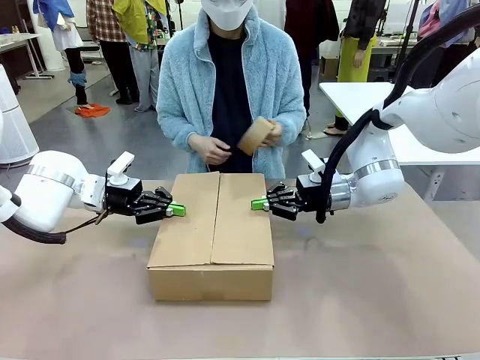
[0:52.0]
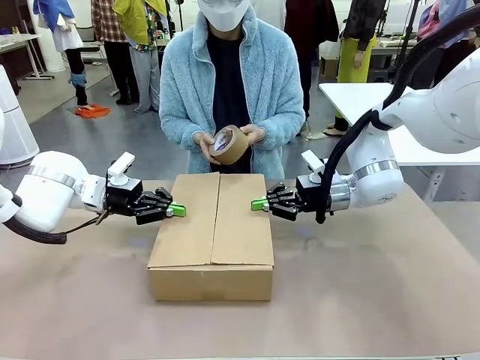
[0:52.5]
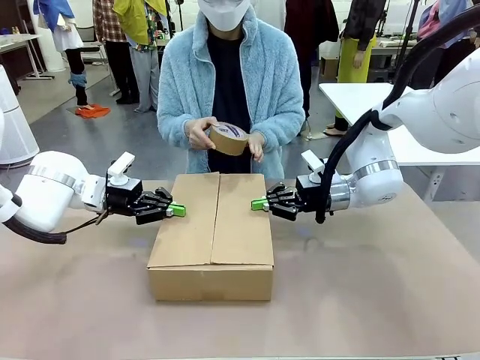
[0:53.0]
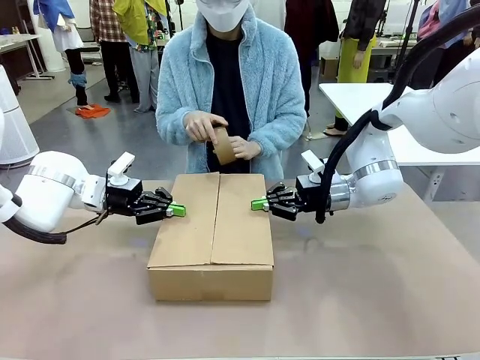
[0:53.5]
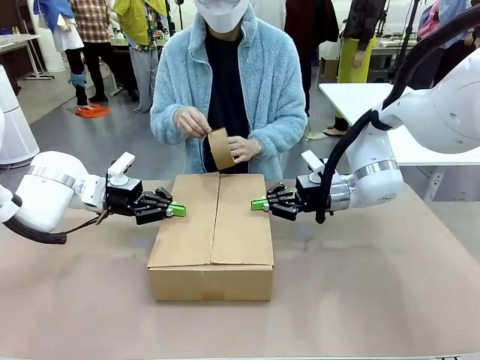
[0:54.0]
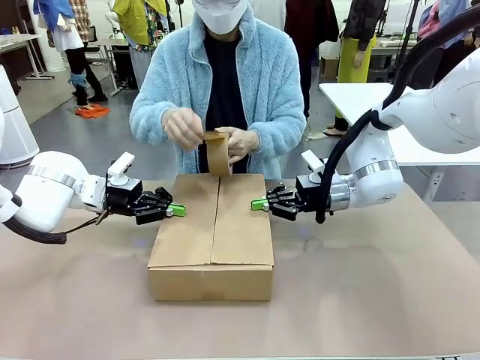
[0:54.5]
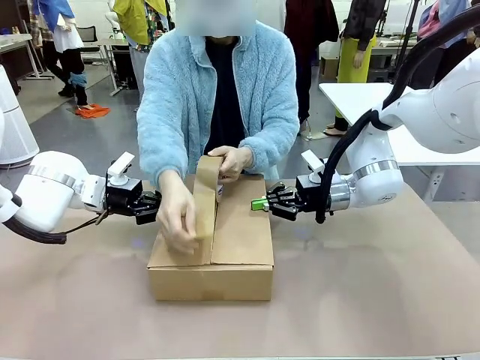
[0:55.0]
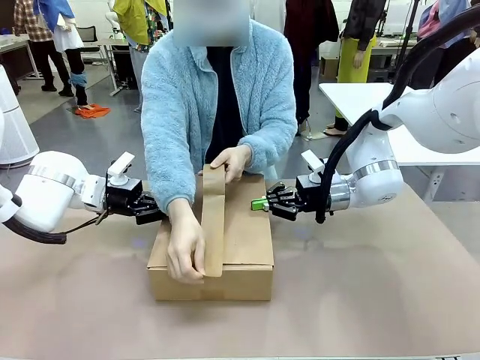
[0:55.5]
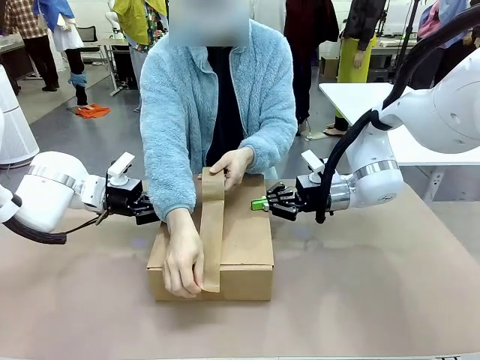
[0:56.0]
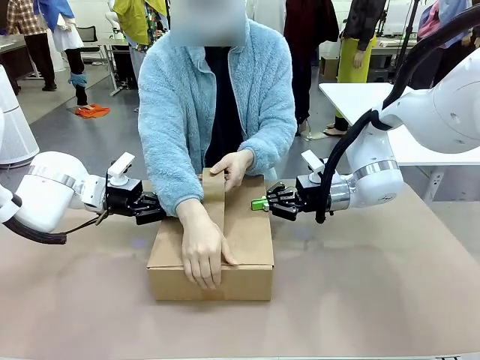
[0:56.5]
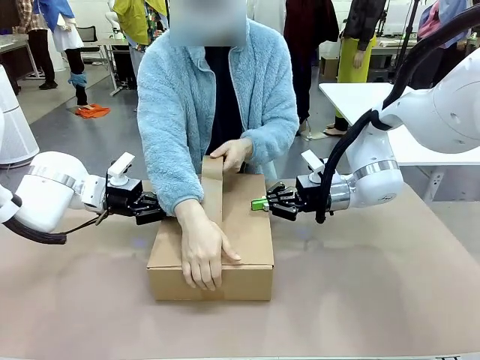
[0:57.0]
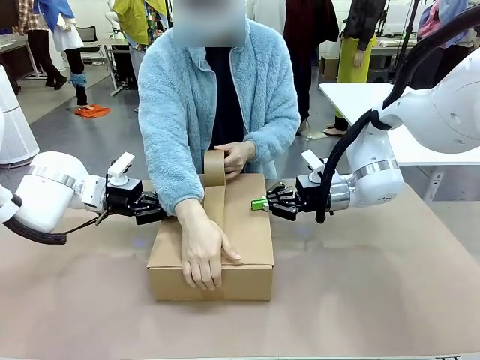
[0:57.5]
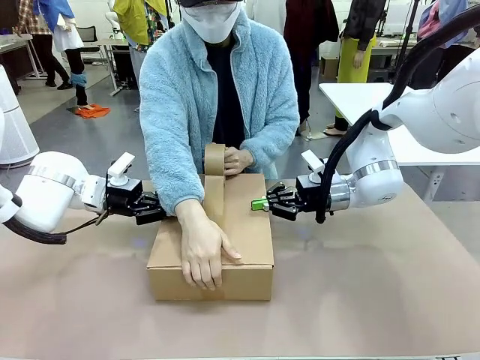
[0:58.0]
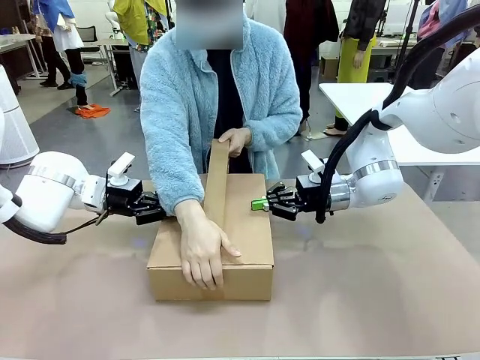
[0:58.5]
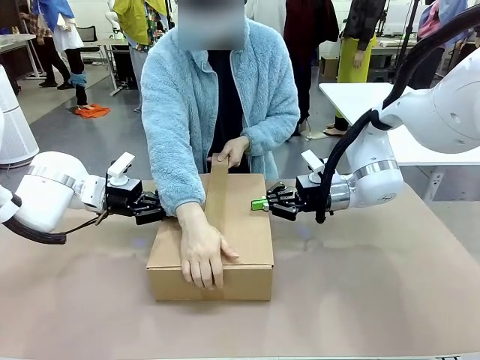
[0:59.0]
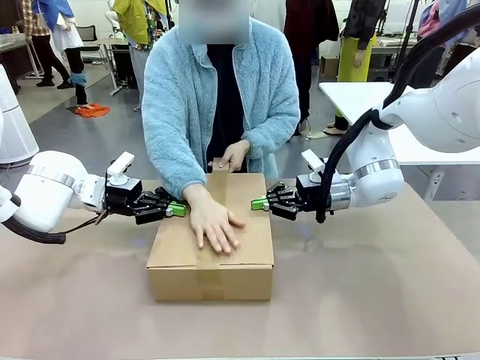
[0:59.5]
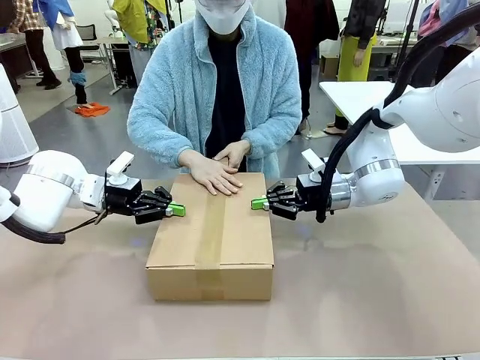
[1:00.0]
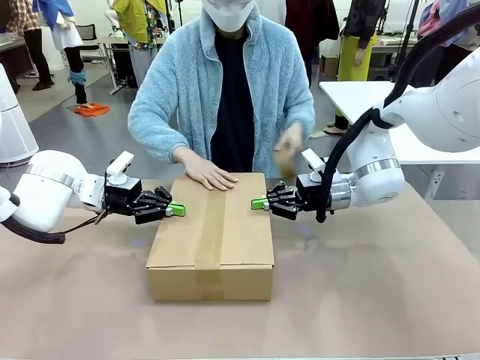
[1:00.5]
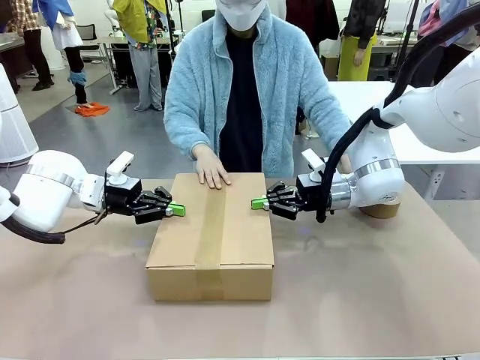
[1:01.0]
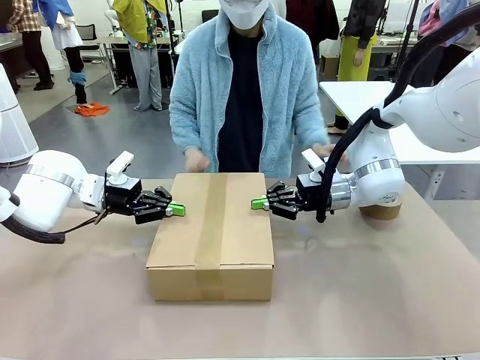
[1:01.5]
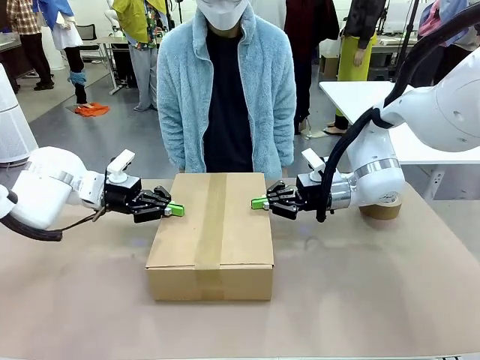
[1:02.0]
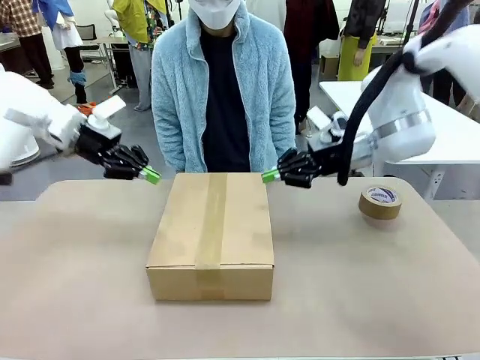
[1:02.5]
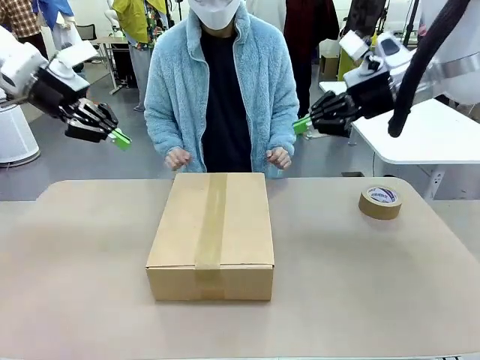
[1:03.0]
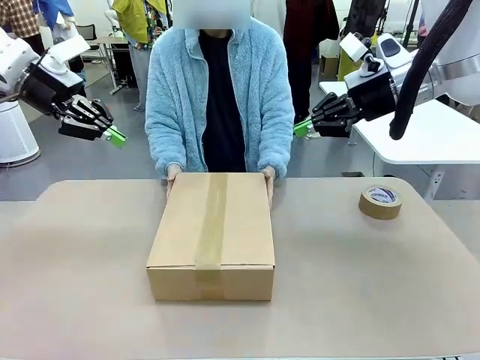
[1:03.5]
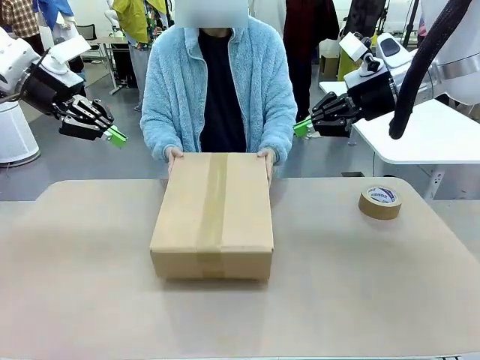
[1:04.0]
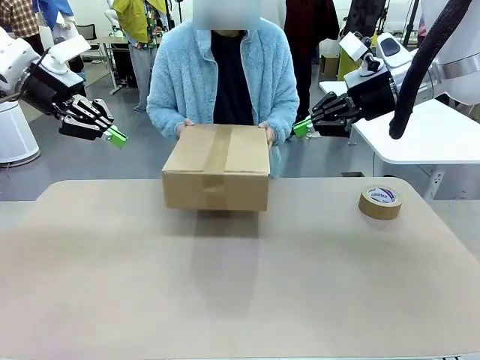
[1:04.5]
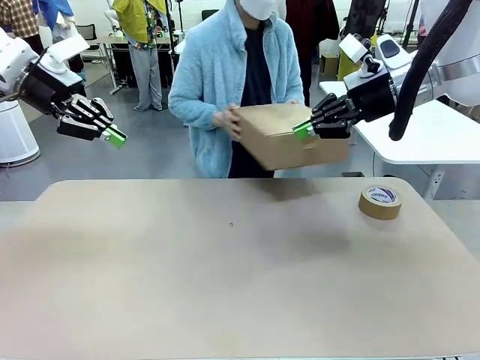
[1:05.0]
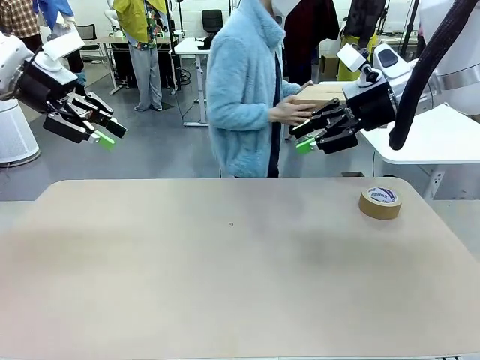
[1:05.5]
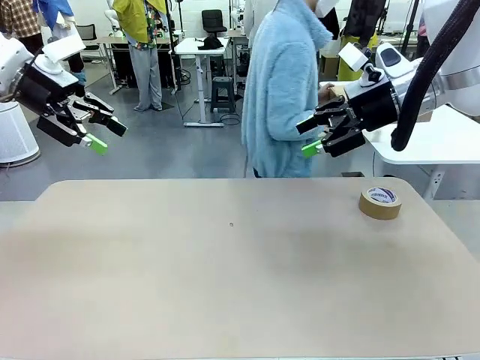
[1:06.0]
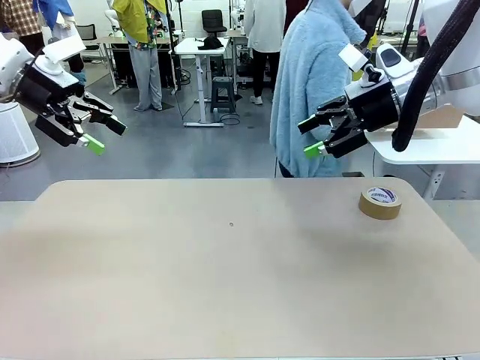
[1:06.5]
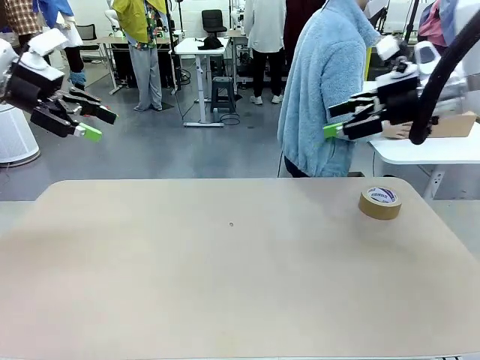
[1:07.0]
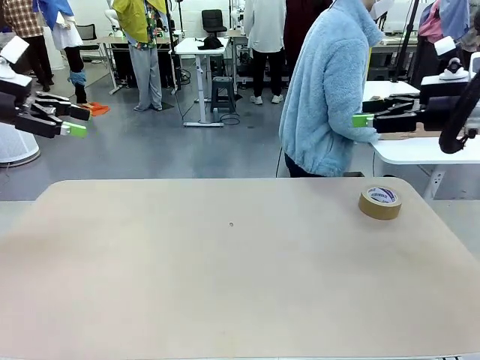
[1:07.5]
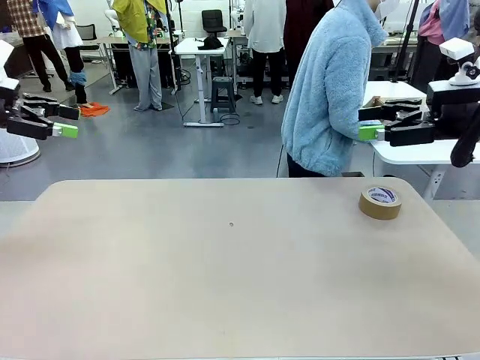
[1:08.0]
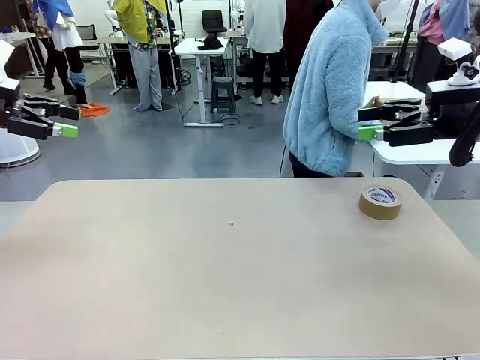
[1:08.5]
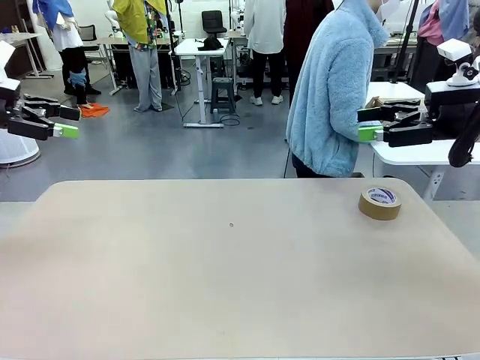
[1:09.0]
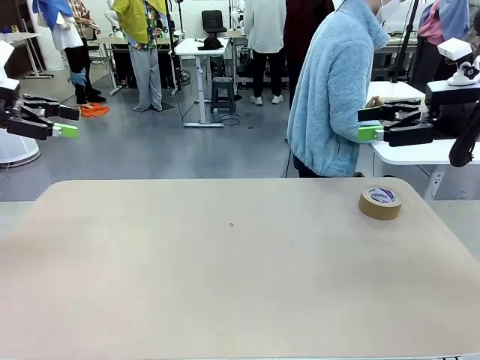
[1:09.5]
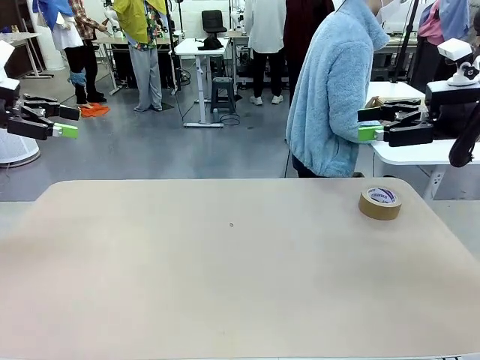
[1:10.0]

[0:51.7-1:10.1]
Task: Wrap the clocks to prevent damage.
Robot: After the human seals the box with tape, release both hands from the side flaps of the Package Box.
Person: Once the robot closes the left flap of the Package Box , seal the box with Paper Tape. Place sealed Package Box in the middle of the human's table.

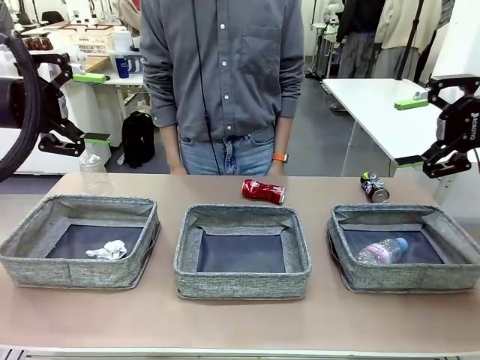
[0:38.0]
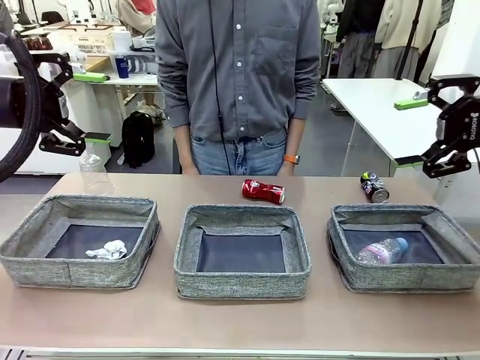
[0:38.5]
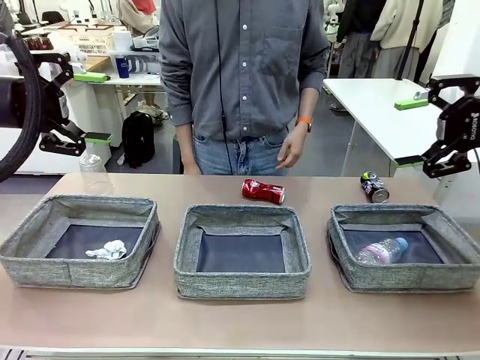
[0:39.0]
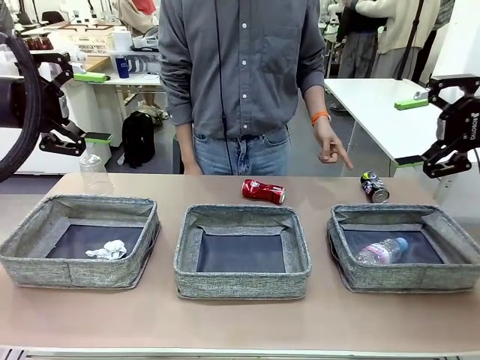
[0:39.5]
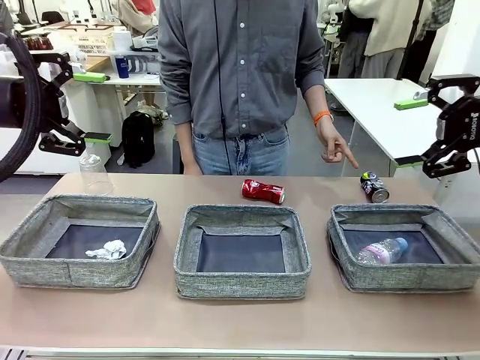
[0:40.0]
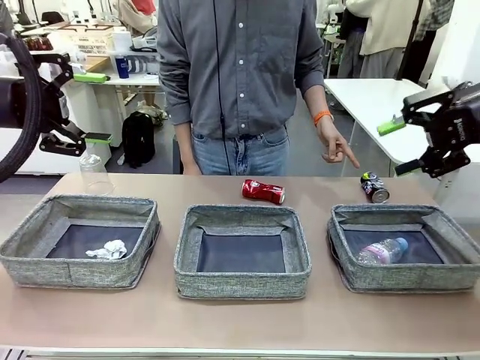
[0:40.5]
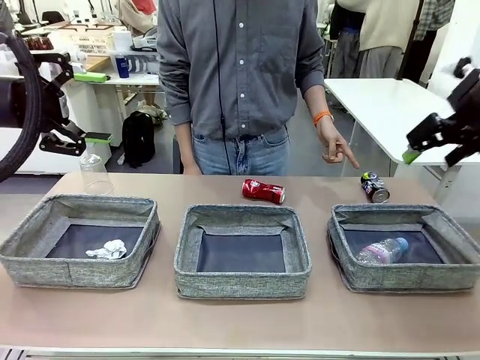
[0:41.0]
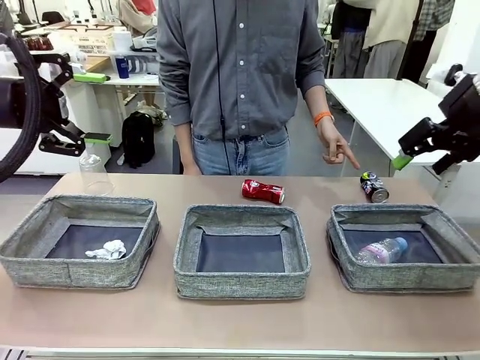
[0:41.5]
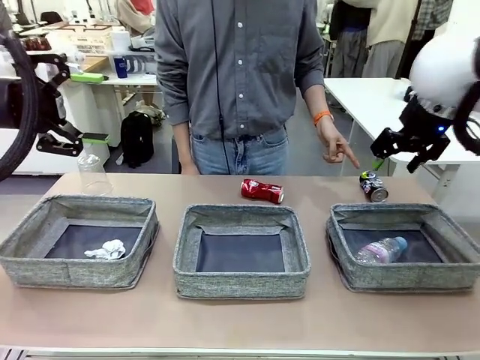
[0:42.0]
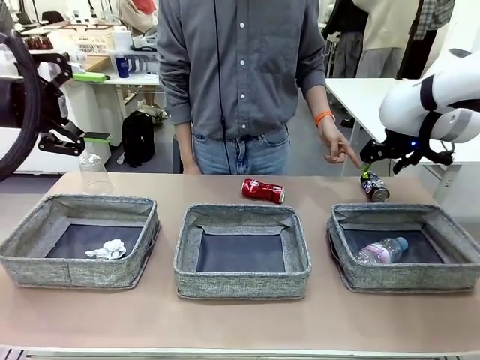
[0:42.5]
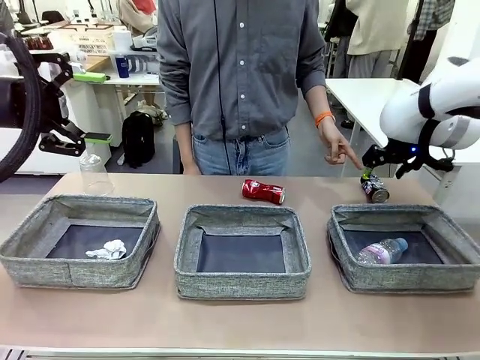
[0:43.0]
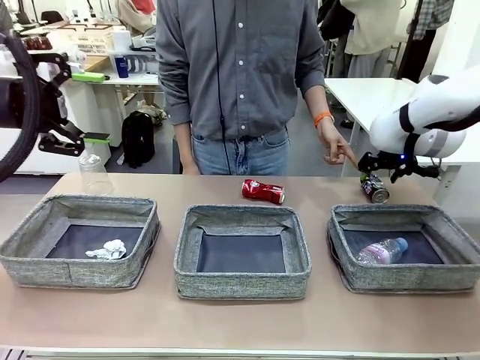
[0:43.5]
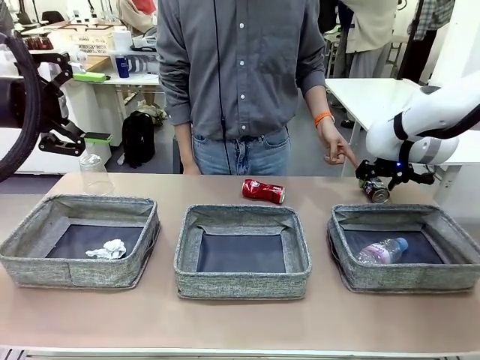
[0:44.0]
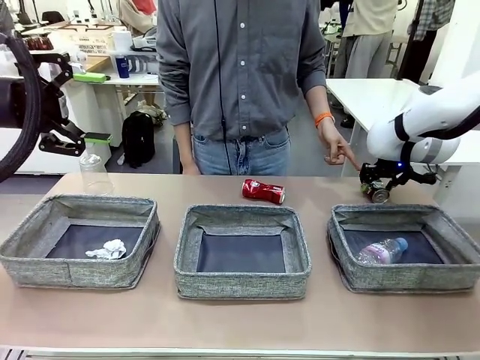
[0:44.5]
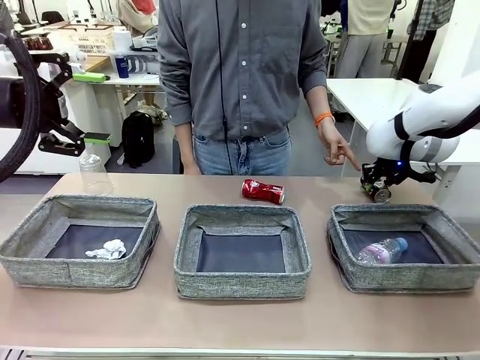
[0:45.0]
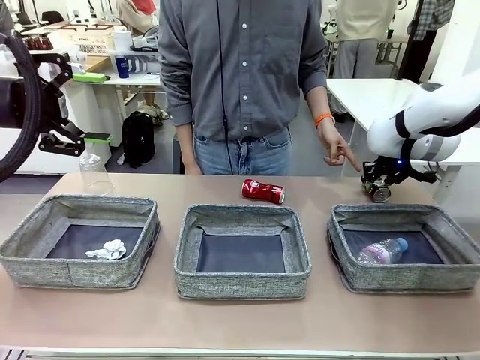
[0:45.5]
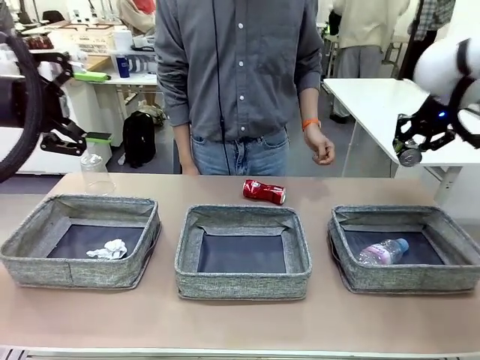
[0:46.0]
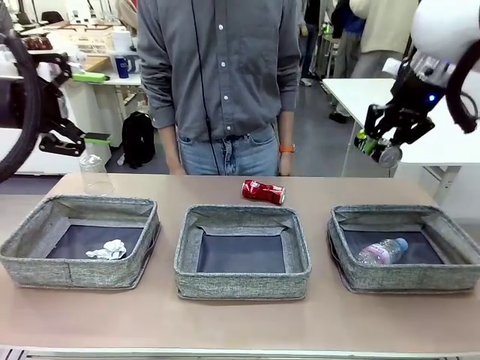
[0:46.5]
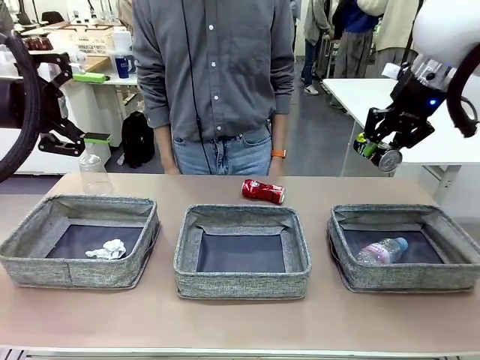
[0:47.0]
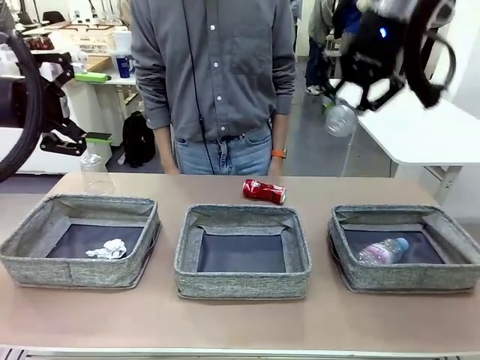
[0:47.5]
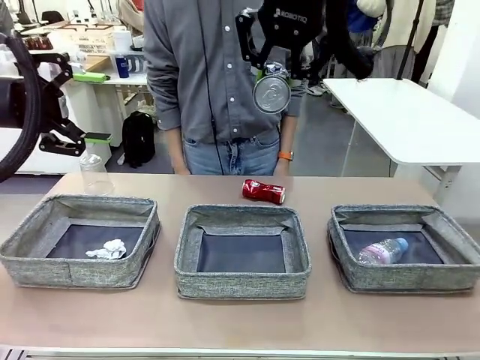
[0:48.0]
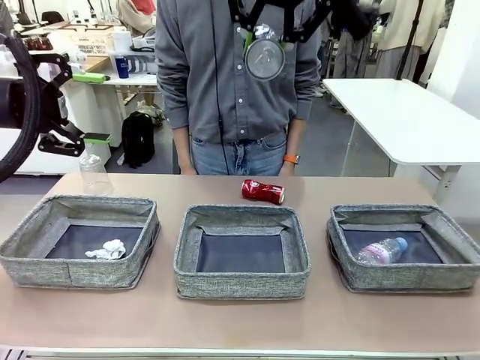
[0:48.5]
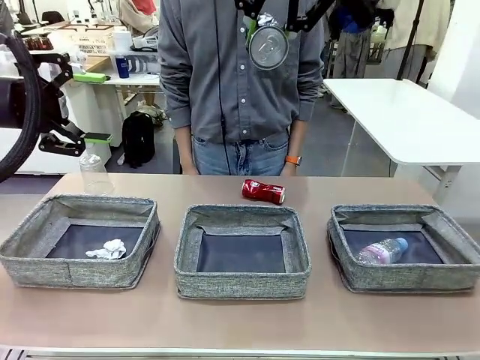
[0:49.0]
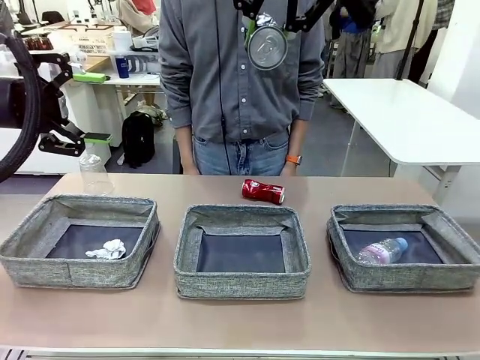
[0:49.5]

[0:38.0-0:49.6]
Task: Sort the waste into the appropriate baskets.
Robot: Pick up the waste item pointed out by the person.
Person: Points to one piece of trash on the table.
